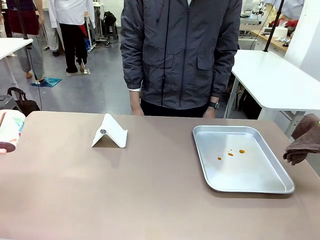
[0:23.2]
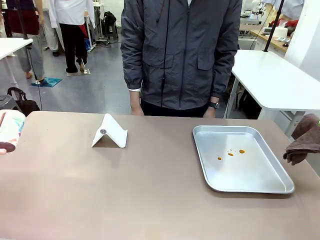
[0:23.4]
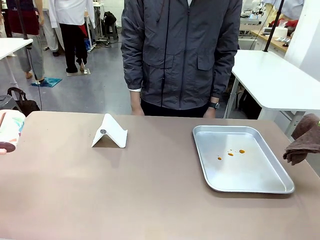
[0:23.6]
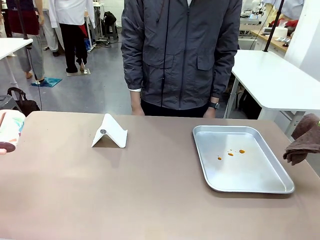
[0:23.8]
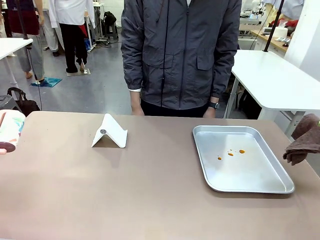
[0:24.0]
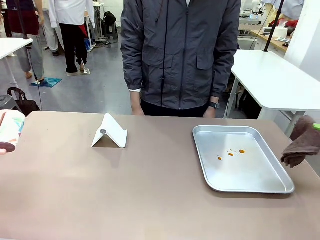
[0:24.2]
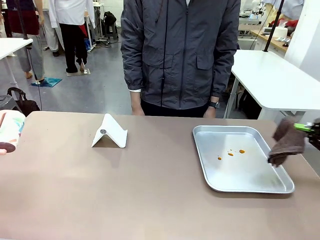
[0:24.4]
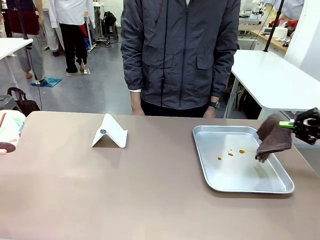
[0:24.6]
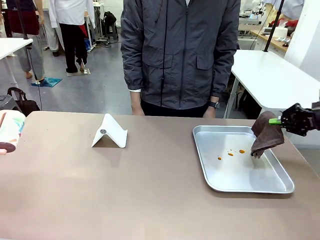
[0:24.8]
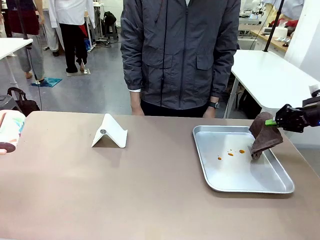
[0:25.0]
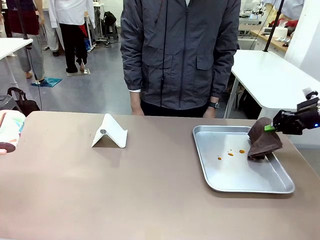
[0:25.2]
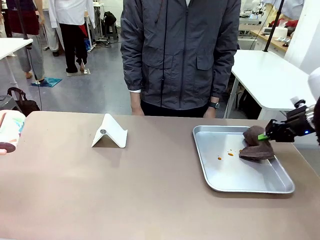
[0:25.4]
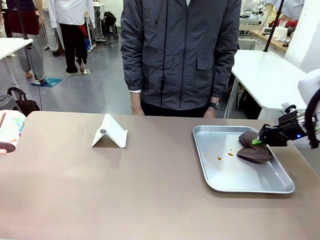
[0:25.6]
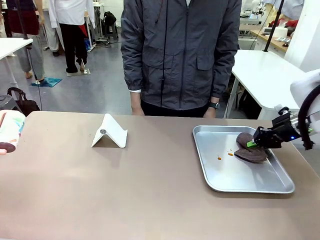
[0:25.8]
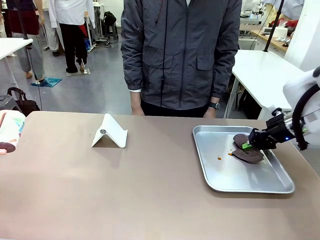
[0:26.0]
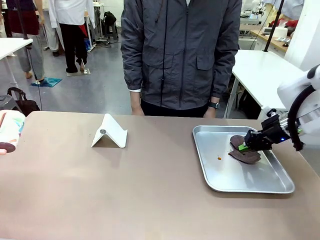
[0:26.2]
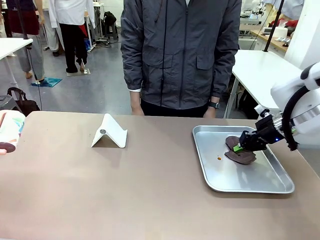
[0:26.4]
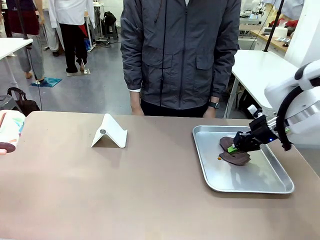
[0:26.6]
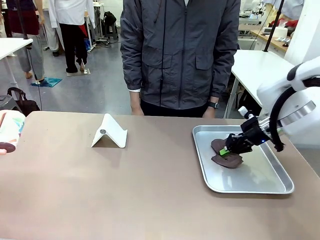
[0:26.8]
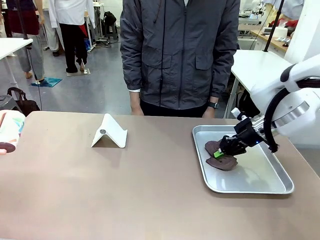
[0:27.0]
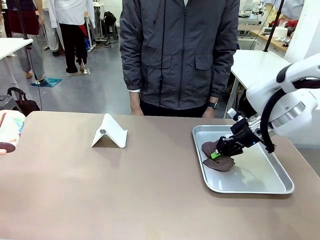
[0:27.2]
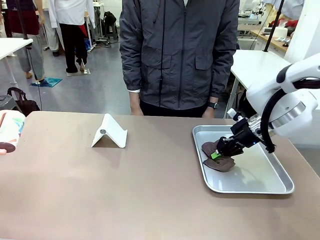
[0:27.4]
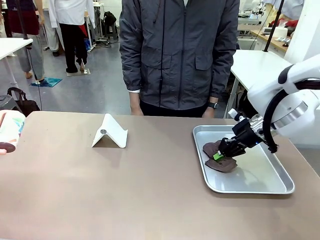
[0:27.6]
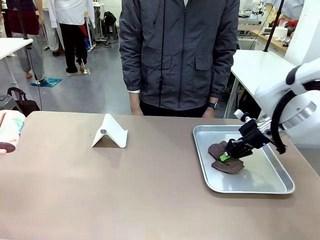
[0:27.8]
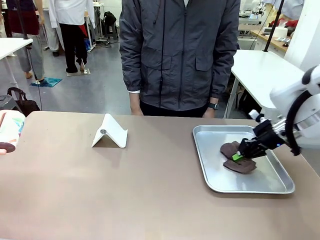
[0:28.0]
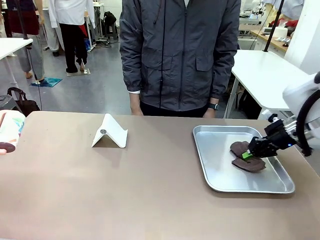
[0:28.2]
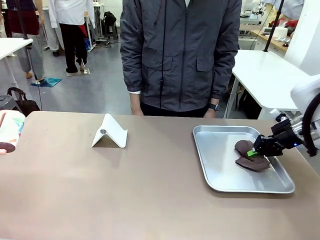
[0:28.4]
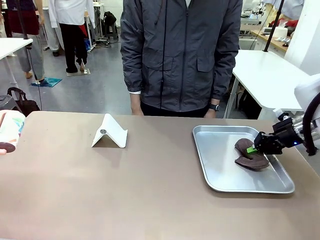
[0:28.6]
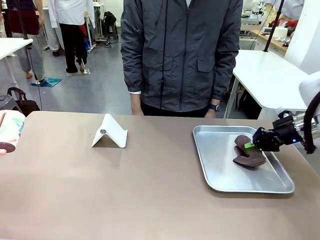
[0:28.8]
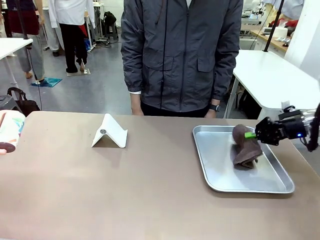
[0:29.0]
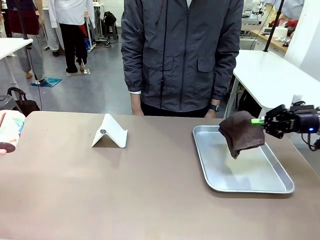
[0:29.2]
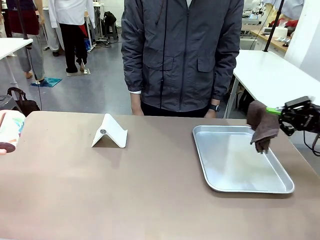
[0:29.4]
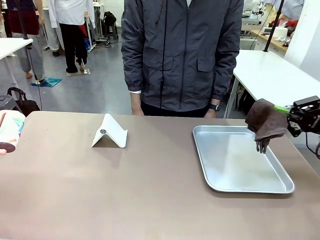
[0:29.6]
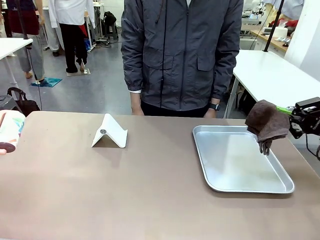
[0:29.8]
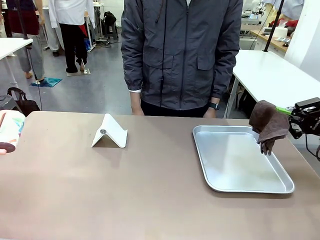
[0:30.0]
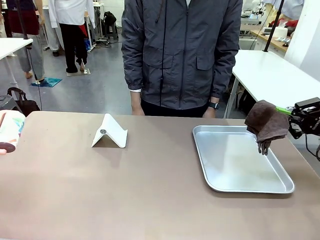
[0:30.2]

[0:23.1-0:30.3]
Task: Clean the surface of the table.
Robot: Clean the area not pointed to by the person.

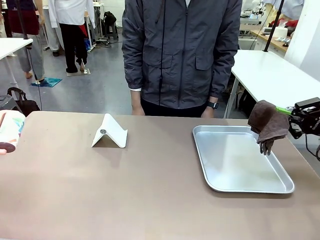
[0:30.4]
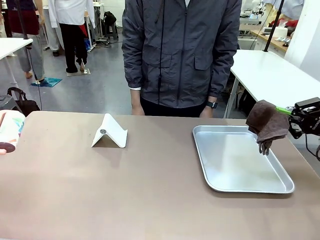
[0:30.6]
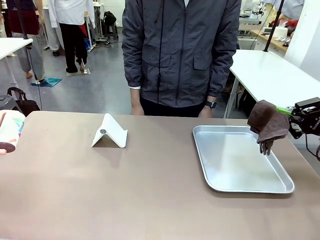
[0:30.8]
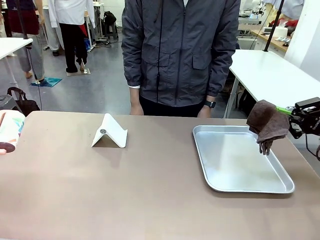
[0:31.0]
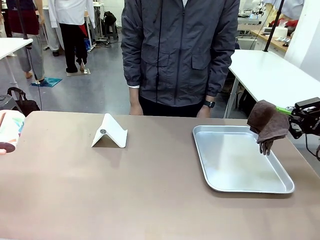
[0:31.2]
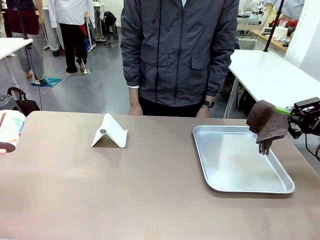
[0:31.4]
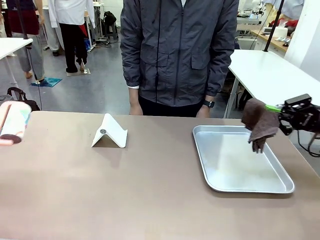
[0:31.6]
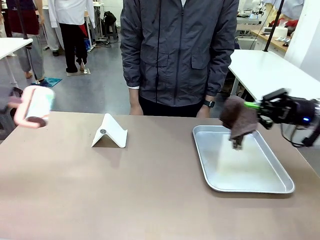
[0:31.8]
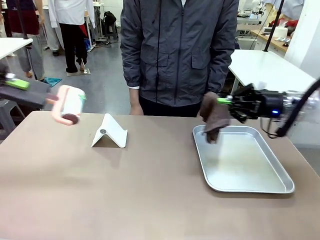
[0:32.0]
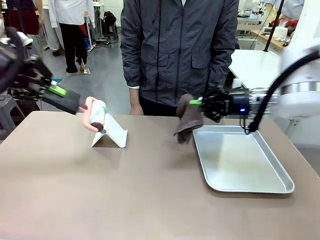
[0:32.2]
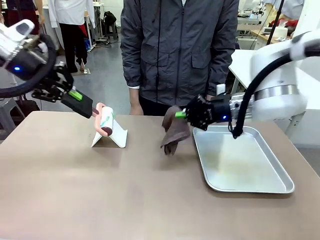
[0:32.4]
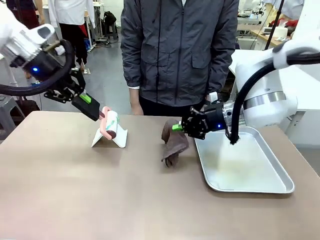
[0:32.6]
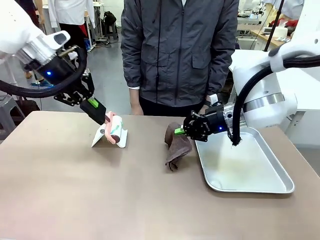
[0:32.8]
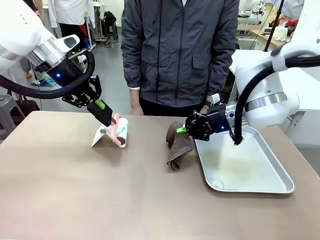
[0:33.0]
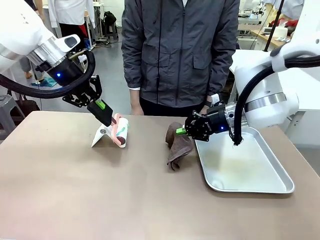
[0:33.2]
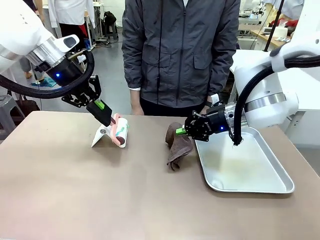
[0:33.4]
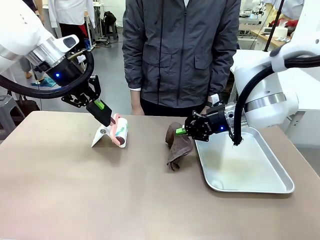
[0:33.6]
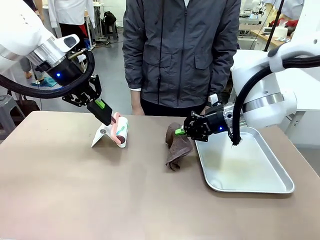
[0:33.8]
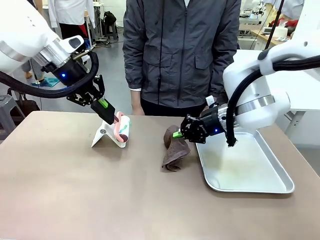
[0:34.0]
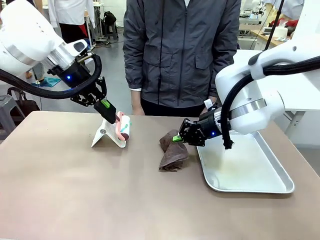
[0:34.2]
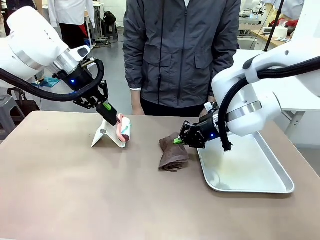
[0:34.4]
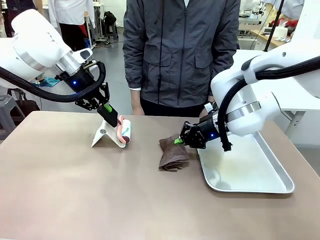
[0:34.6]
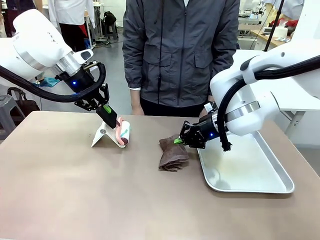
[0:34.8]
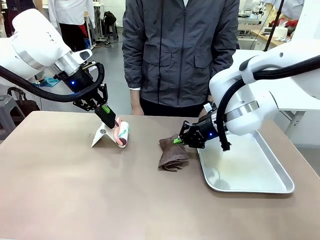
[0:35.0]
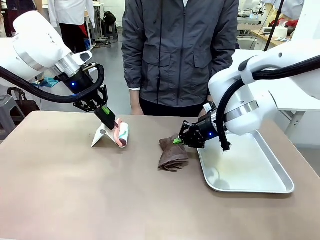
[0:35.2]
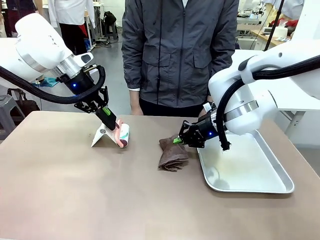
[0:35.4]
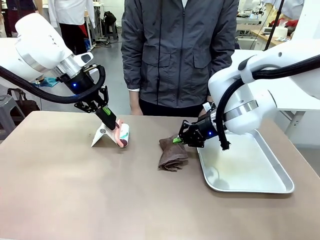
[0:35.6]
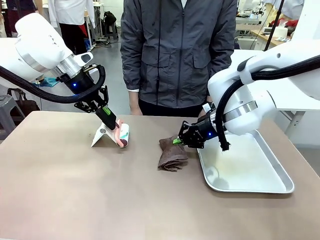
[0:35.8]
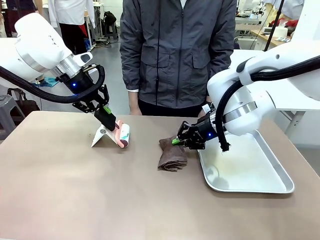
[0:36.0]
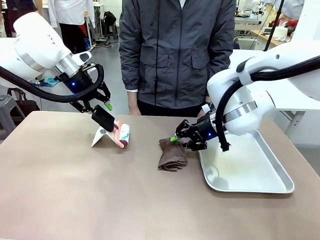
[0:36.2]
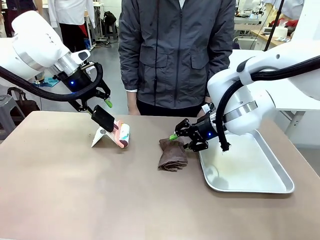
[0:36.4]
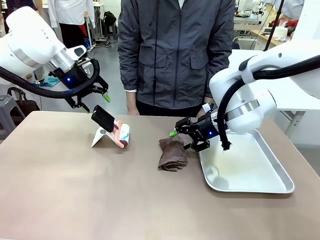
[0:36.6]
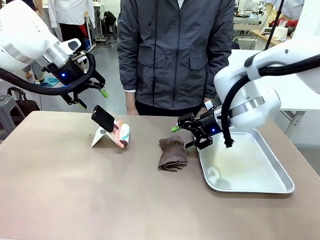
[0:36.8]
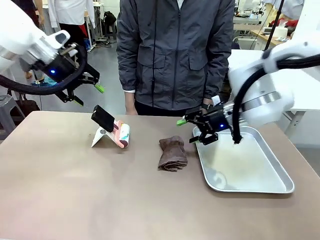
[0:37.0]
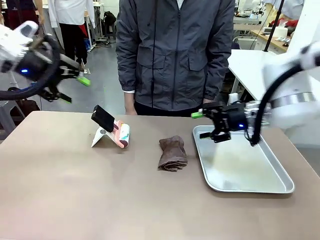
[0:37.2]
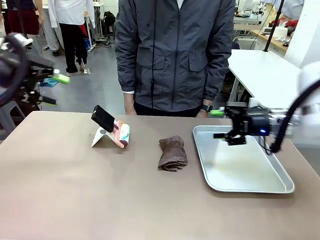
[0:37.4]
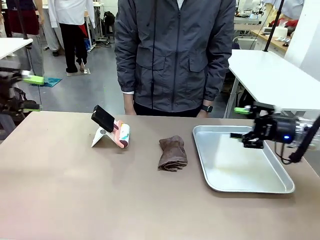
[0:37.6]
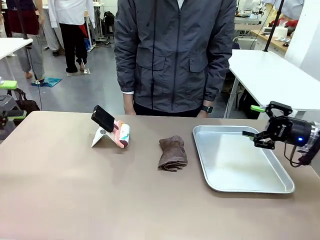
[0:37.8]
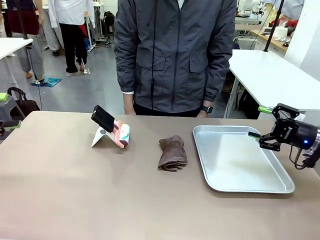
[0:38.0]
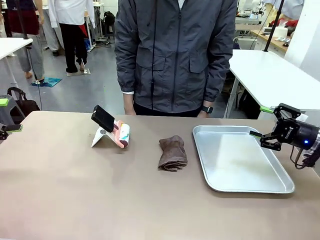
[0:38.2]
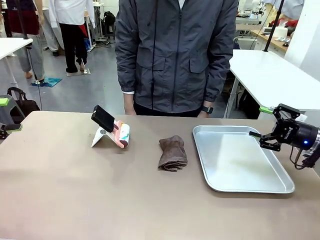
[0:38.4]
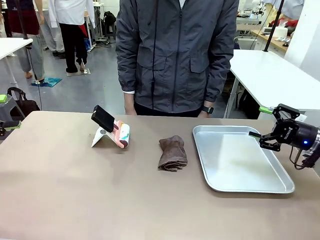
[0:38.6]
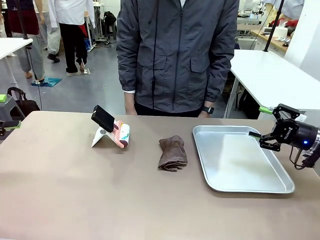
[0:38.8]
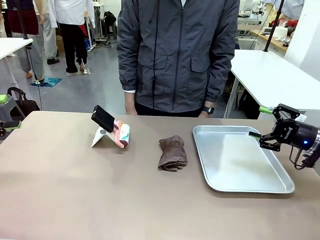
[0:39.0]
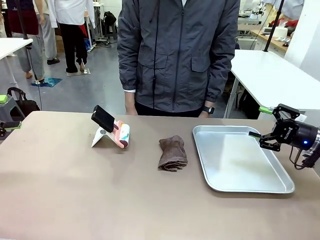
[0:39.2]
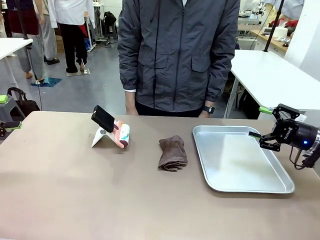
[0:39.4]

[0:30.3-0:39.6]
Robot: Return the Lint Roller and towel to their original positions.

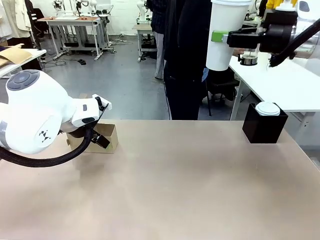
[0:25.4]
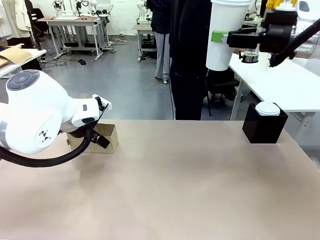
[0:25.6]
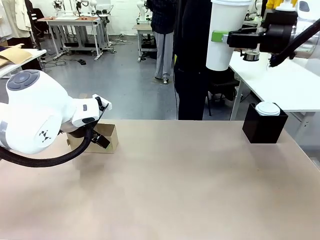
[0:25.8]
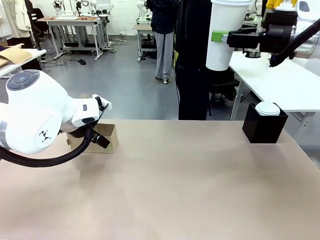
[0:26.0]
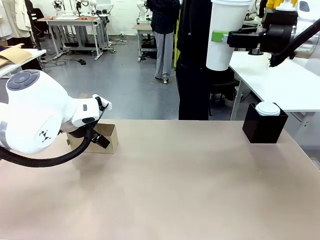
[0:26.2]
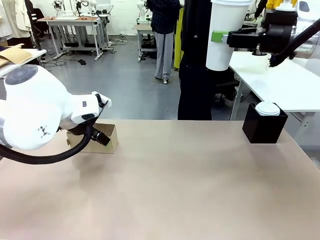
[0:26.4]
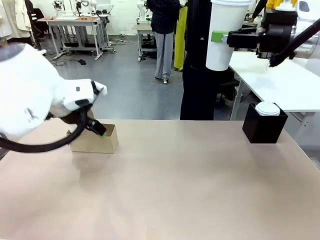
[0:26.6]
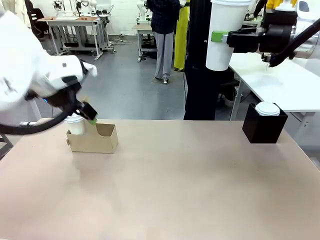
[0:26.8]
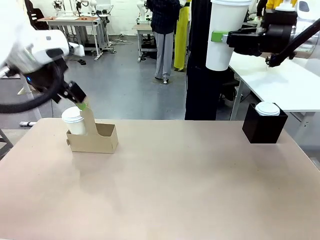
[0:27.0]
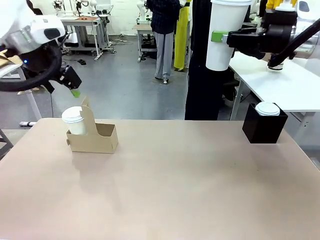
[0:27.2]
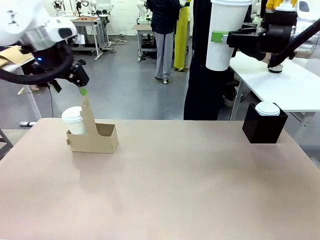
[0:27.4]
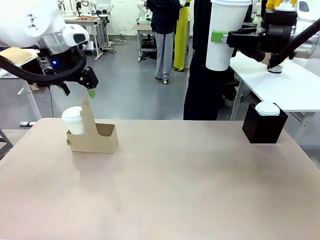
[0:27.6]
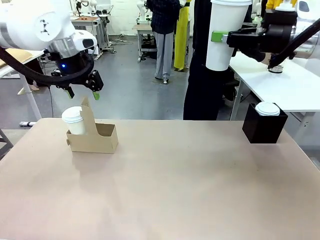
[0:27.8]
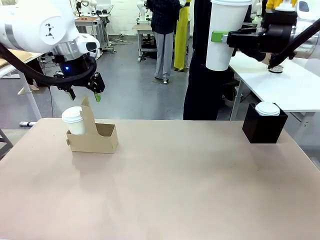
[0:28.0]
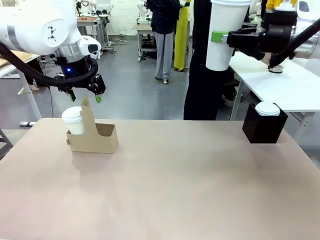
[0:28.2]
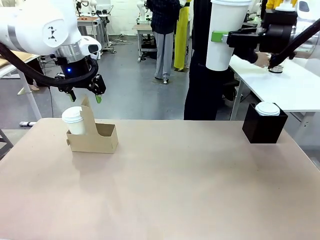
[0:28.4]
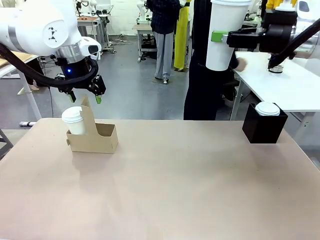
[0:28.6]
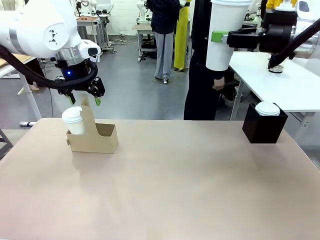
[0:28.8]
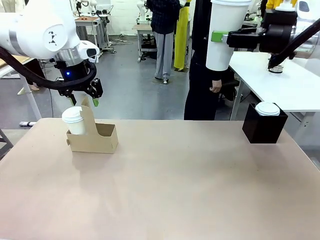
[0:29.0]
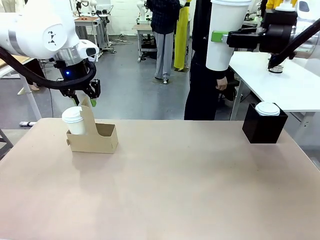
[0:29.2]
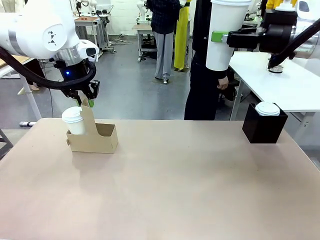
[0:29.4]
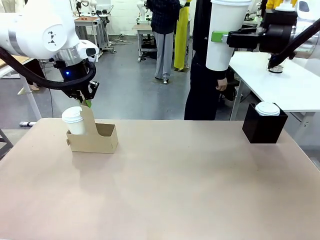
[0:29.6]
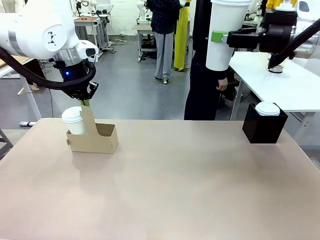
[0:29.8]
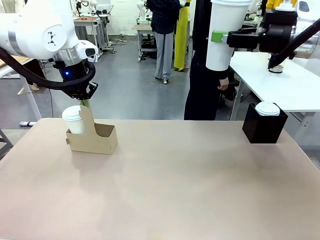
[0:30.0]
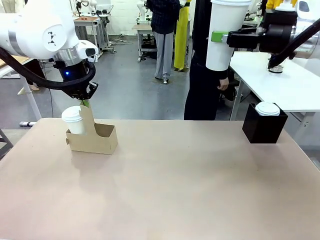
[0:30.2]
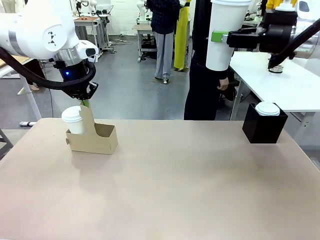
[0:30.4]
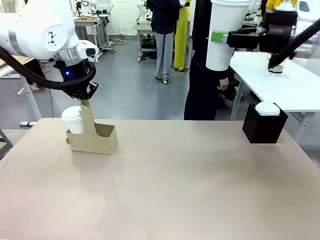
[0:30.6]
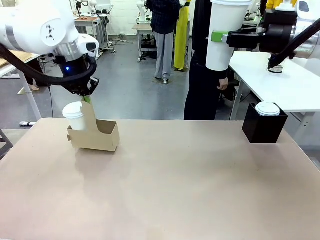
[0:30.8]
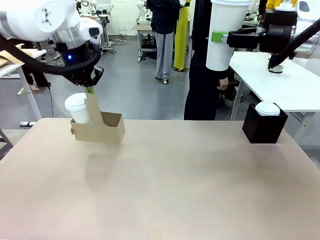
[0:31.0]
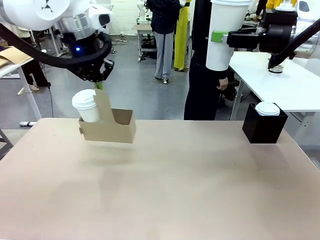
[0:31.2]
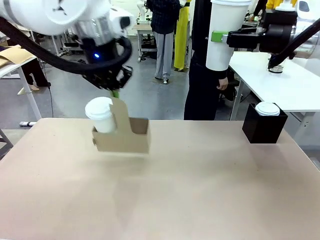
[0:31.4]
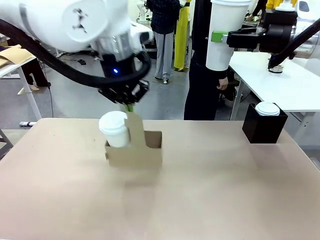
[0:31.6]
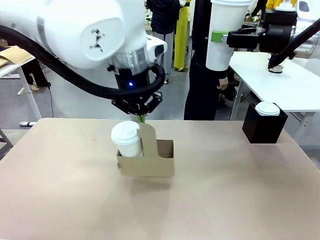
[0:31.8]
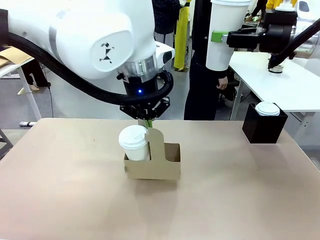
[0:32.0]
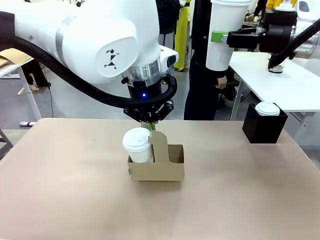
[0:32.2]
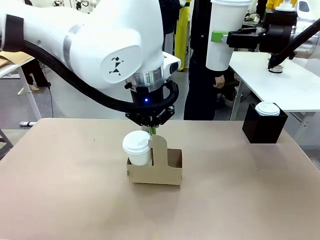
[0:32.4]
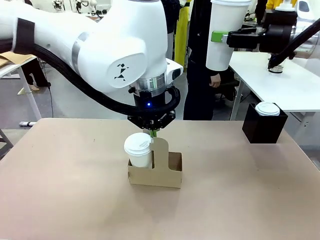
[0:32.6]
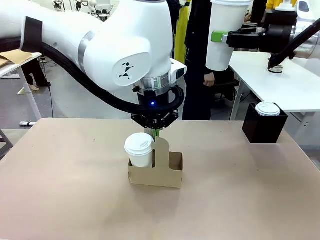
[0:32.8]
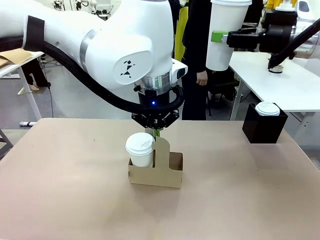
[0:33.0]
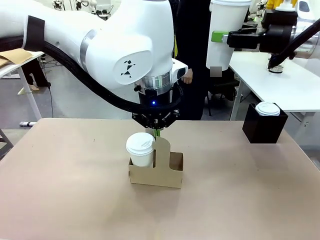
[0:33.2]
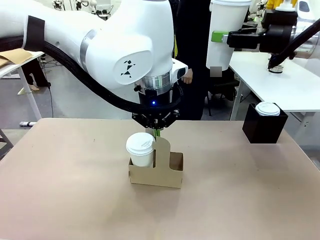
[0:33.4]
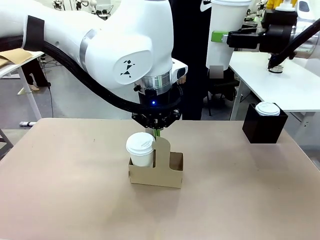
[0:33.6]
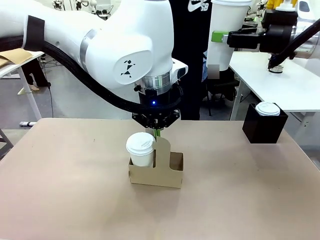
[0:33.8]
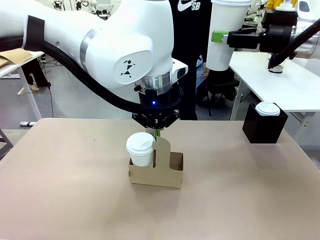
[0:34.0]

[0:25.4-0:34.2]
Task: Pour a drink into a cup and package it in a carrier.
Robot: Position the Cup Carrier in the center of the table.
Person: Pick up the Filter Brewing and place on the middle of Human table, and return to the Robot table.
